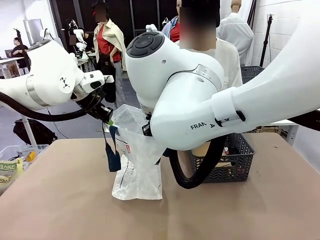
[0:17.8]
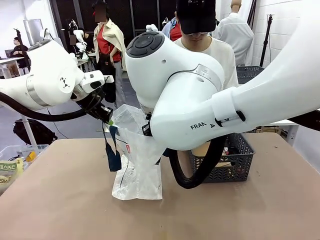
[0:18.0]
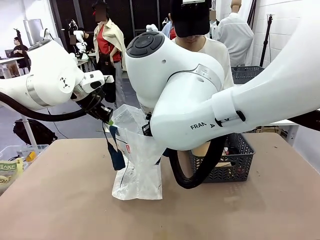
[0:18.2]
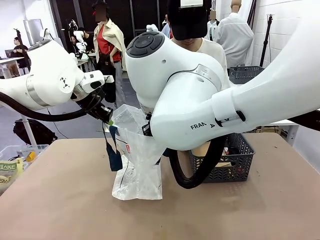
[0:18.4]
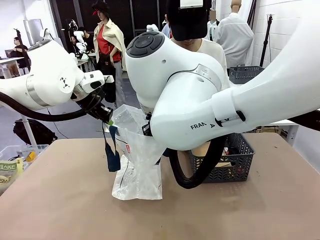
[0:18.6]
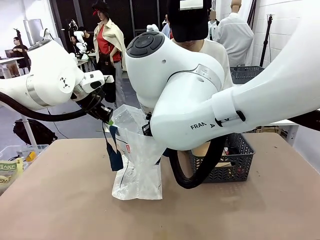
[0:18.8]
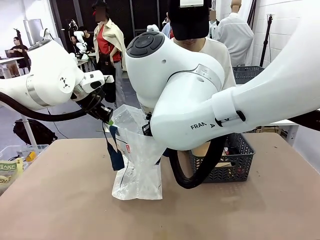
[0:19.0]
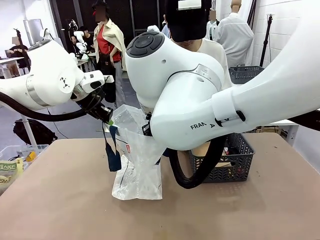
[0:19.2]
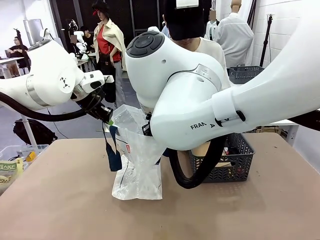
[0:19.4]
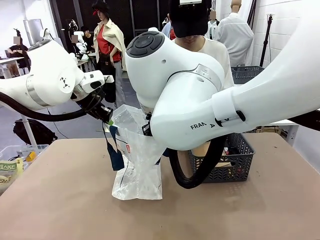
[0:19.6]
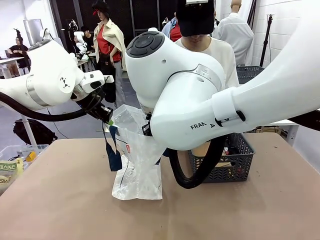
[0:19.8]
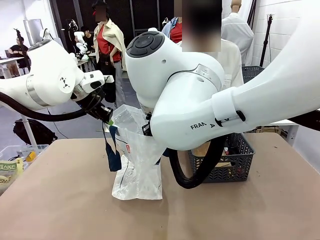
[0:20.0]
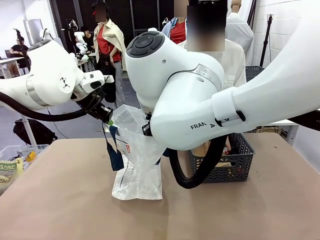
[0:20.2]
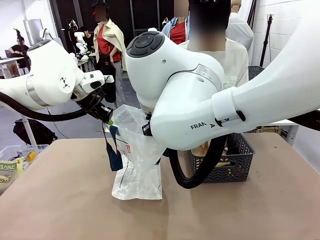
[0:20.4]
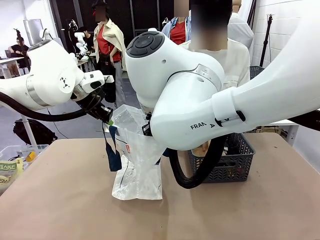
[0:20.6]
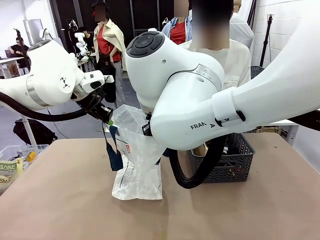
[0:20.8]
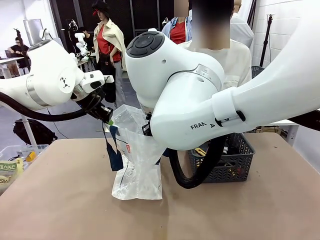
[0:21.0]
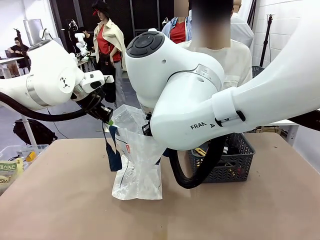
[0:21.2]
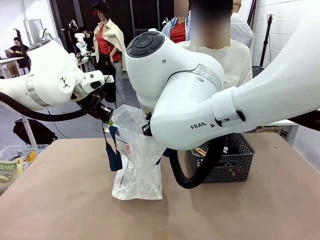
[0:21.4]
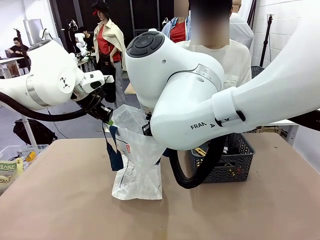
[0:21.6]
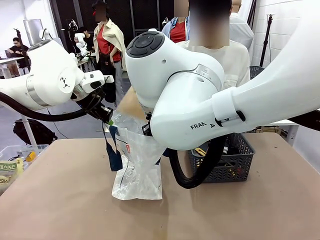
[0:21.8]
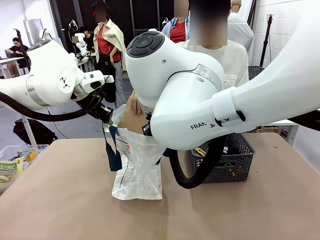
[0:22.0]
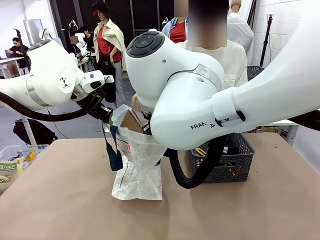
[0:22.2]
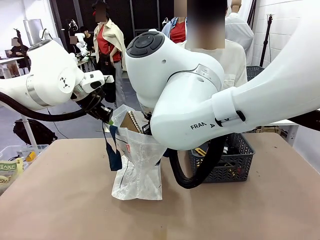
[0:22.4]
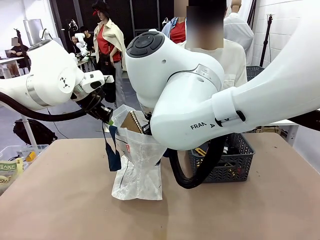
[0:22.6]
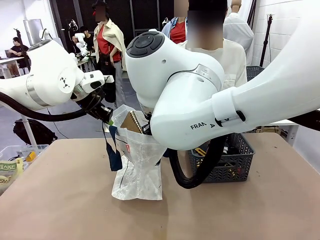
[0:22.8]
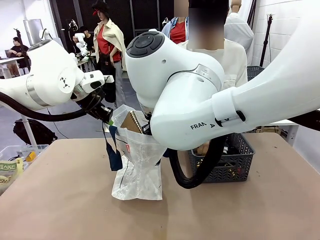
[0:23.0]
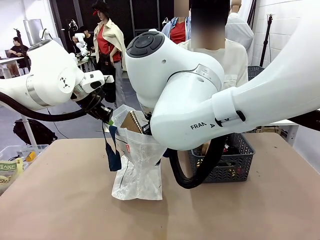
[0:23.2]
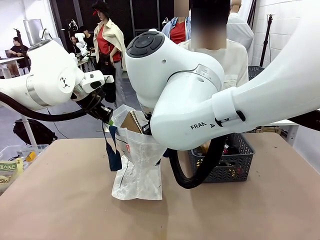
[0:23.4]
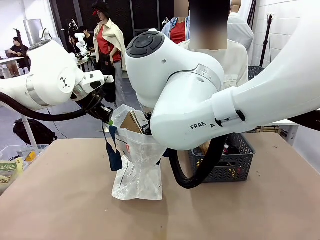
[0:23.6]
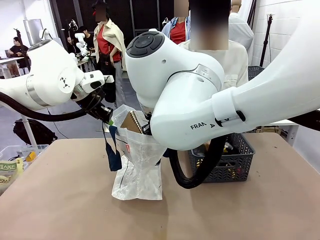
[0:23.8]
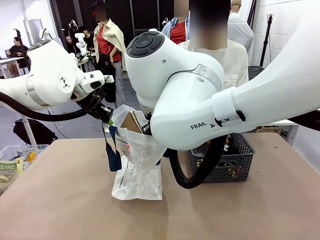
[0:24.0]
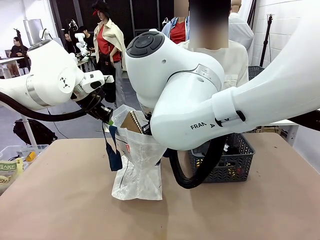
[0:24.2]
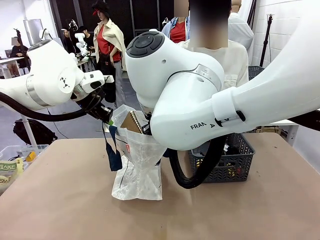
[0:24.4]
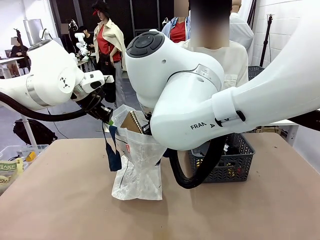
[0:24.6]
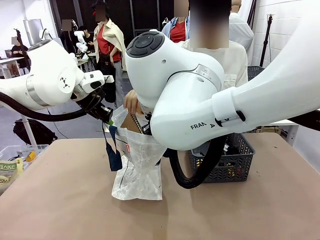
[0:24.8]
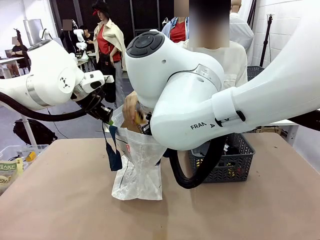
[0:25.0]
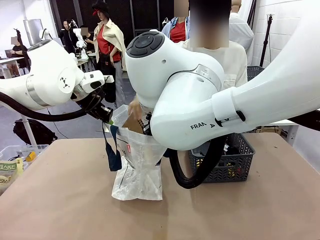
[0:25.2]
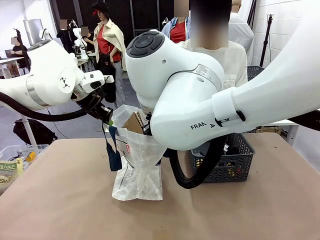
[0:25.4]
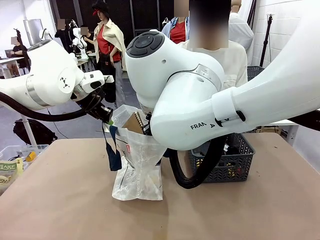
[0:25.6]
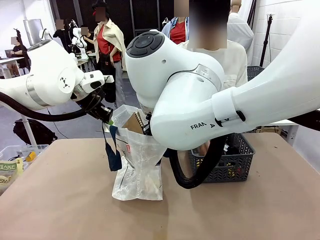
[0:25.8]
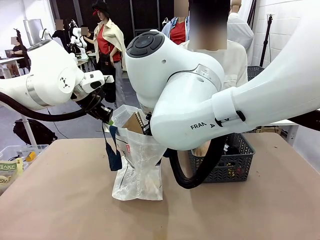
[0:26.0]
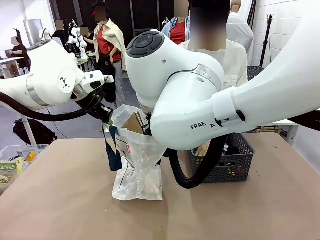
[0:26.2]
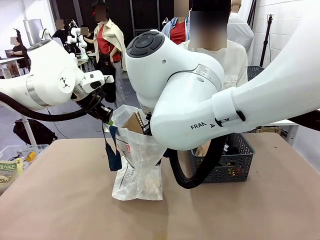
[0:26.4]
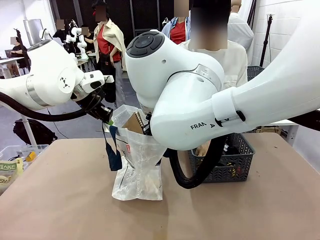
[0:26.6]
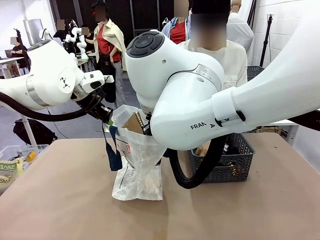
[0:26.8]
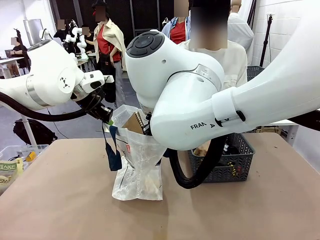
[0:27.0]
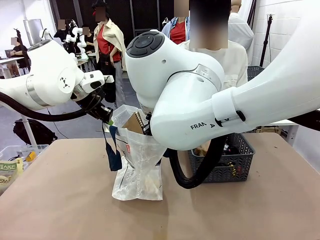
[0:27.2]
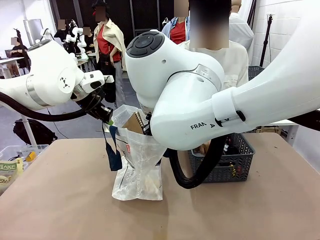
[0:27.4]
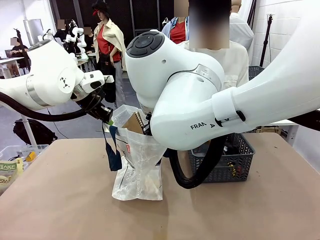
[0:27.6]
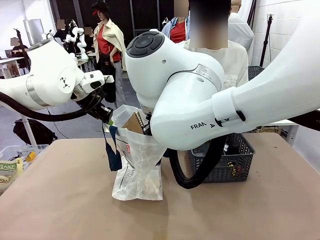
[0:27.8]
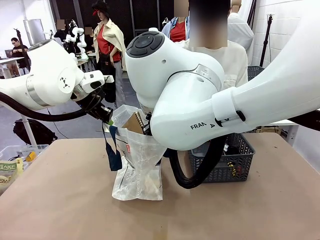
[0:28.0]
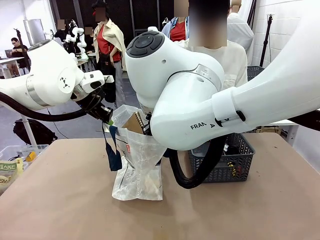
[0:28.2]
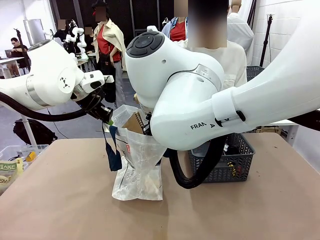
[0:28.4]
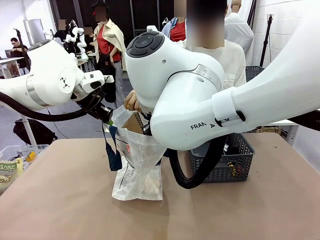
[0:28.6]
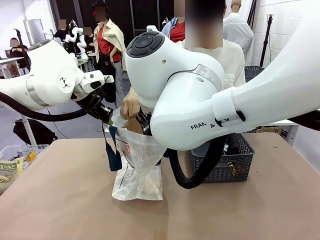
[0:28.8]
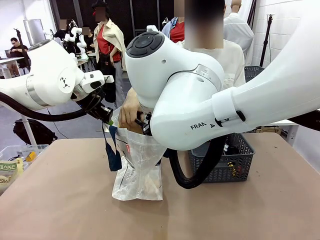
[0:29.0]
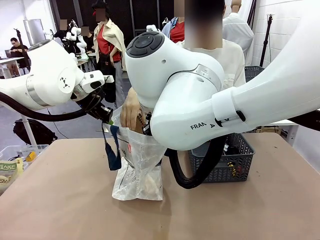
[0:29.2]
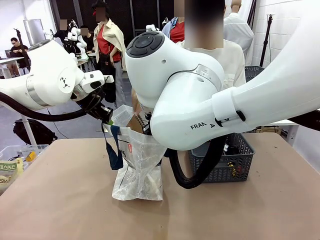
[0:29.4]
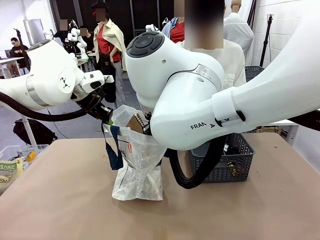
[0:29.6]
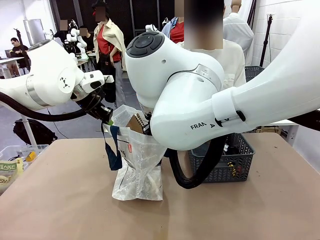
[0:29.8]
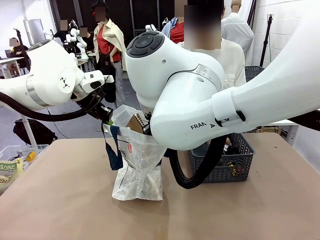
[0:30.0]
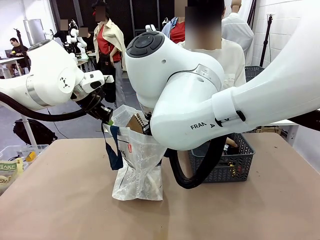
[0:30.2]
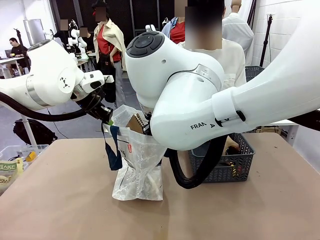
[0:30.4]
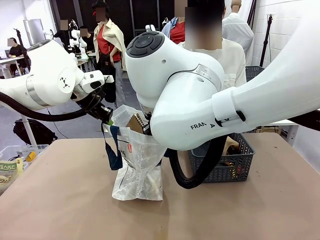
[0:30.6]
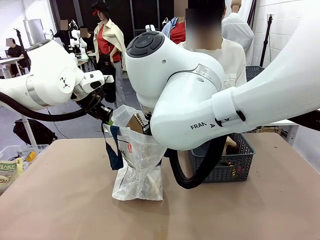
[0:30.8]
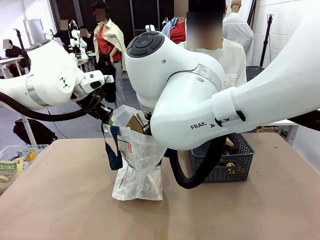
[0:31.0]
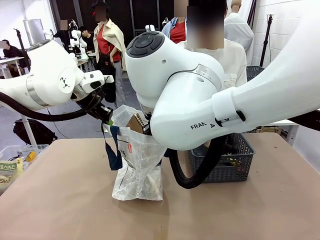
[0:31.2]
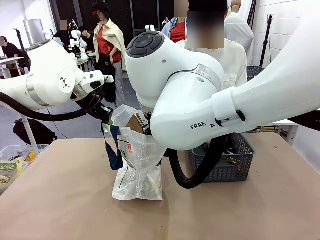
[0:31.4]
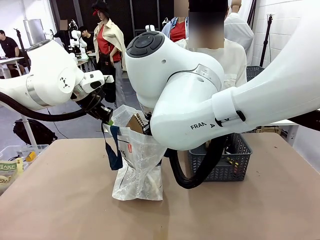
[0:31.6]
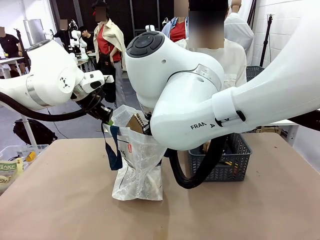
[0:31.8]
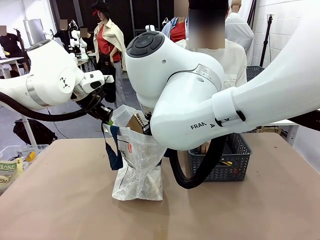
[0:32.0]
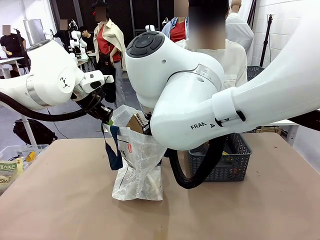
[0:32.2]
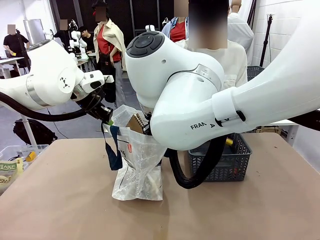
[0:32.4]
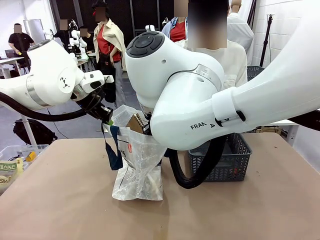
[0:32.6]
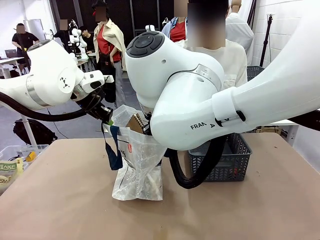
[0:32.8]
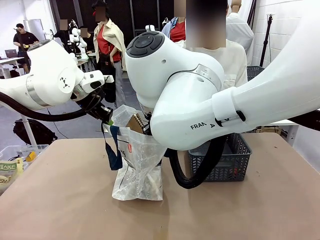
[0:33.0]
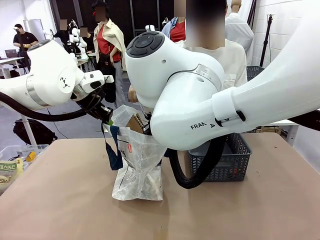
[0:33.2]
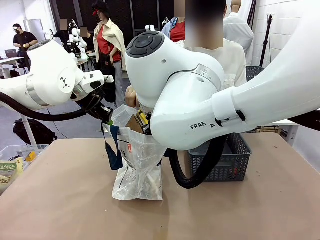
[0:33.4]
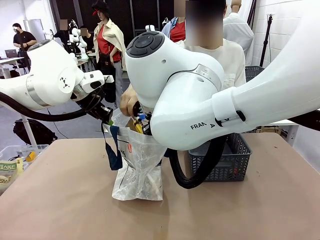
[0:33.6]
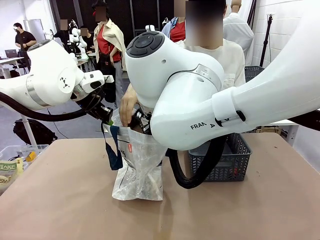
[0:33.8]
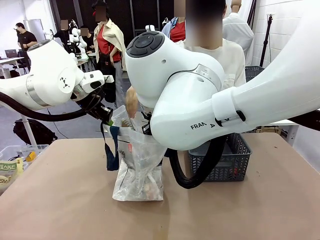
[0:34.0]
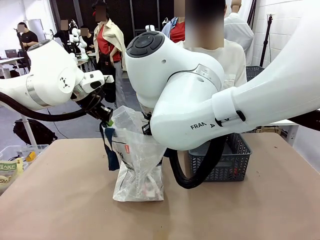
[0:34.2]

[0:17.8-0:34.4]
Task: Transfer purchased items from the store into the shopping bag.
Robot: Move the Reusable shopping bag to the right side of the table.
Person: Pick up the basket with the items out and place it on the right side of the human table.
